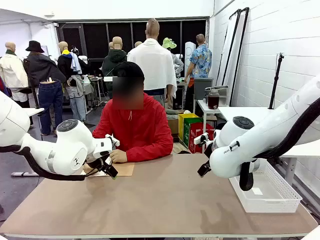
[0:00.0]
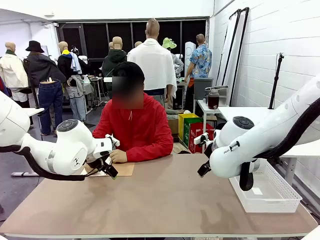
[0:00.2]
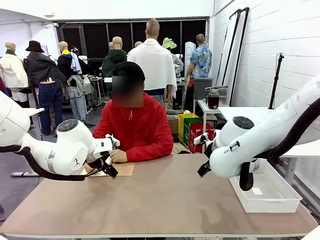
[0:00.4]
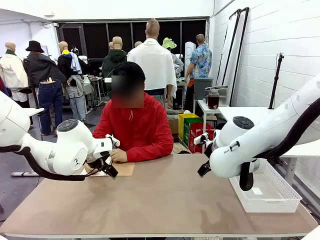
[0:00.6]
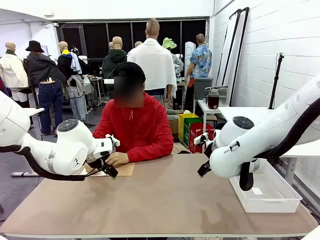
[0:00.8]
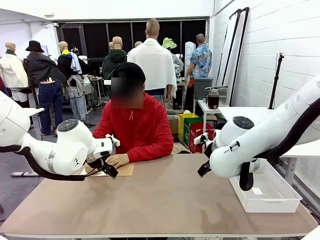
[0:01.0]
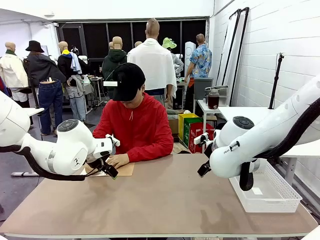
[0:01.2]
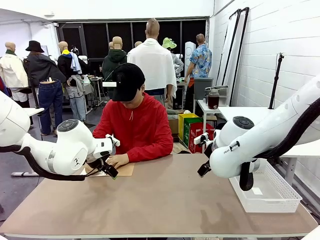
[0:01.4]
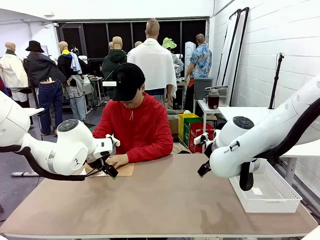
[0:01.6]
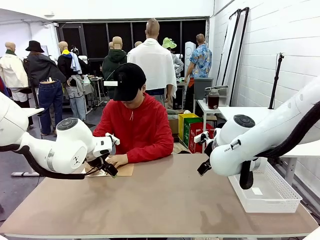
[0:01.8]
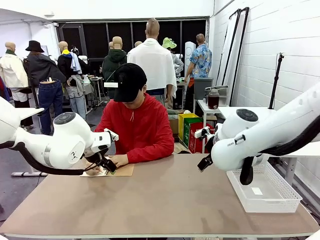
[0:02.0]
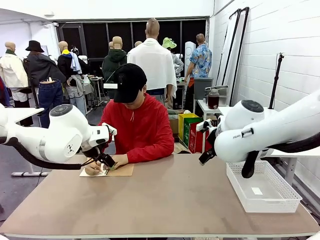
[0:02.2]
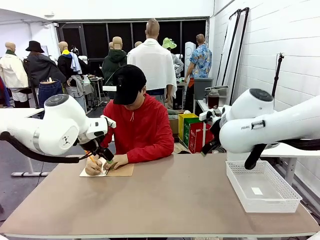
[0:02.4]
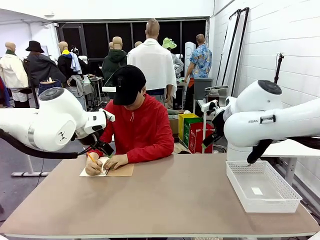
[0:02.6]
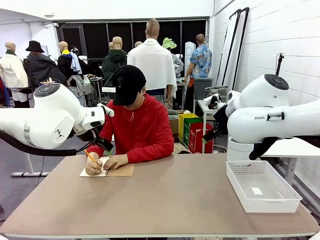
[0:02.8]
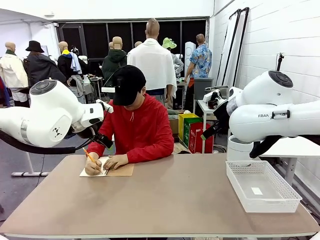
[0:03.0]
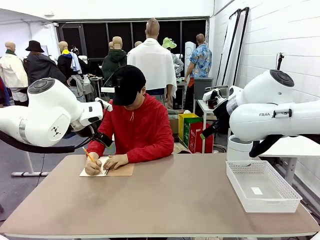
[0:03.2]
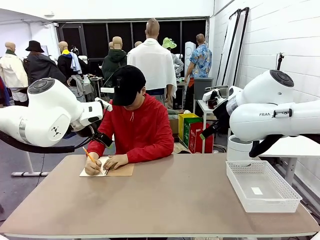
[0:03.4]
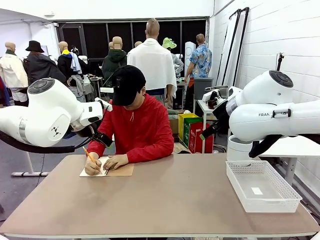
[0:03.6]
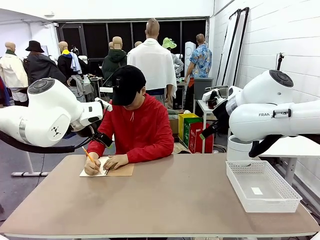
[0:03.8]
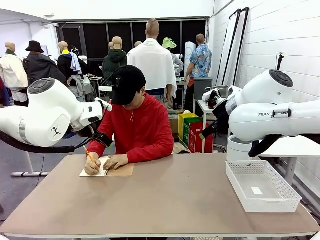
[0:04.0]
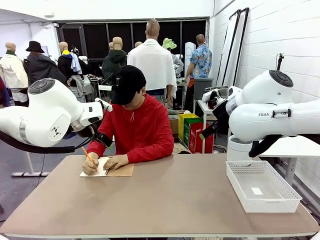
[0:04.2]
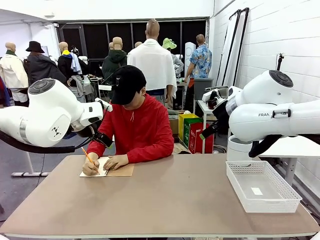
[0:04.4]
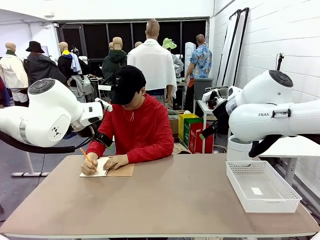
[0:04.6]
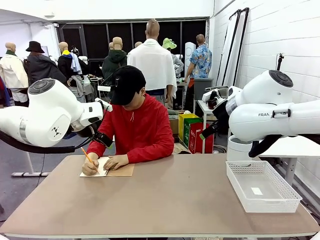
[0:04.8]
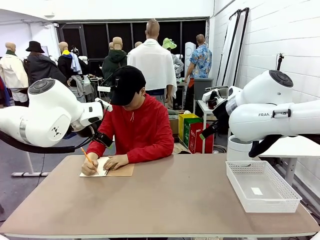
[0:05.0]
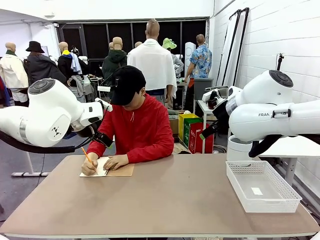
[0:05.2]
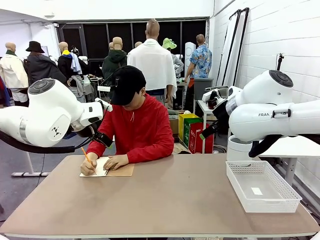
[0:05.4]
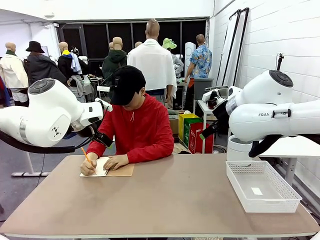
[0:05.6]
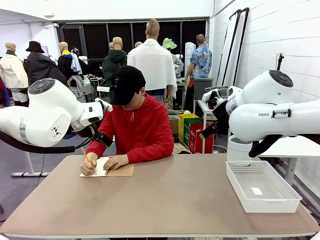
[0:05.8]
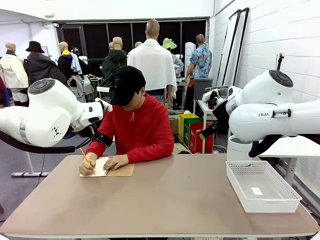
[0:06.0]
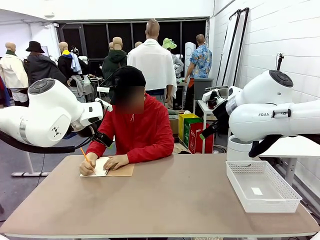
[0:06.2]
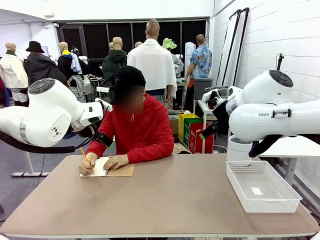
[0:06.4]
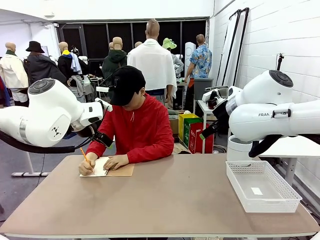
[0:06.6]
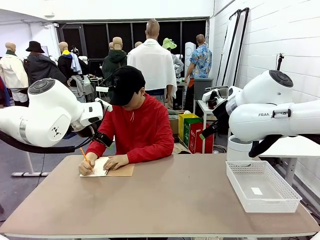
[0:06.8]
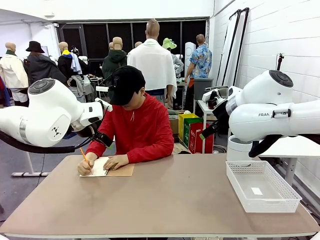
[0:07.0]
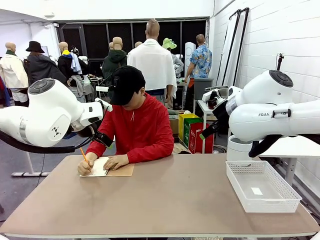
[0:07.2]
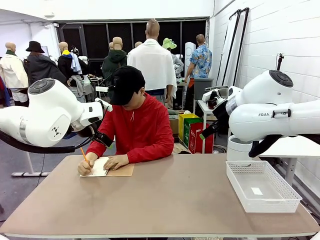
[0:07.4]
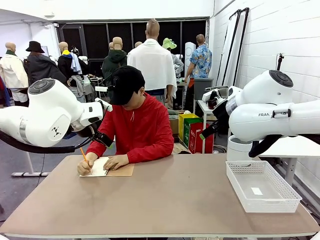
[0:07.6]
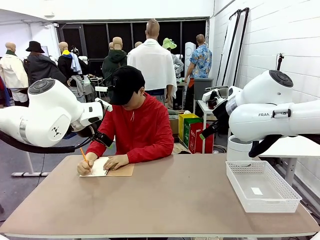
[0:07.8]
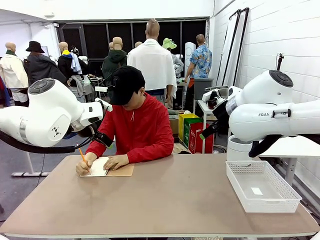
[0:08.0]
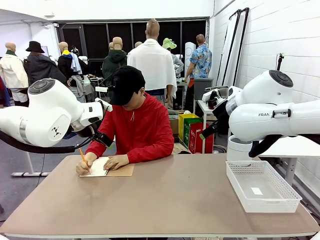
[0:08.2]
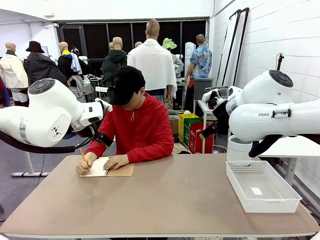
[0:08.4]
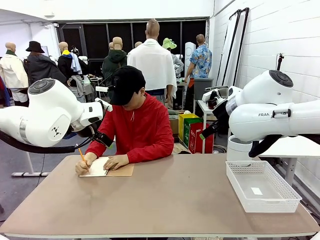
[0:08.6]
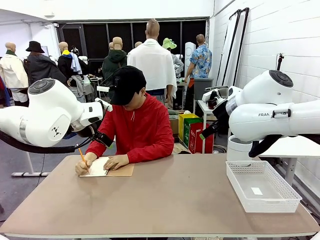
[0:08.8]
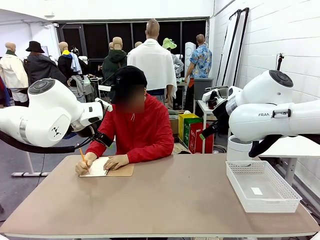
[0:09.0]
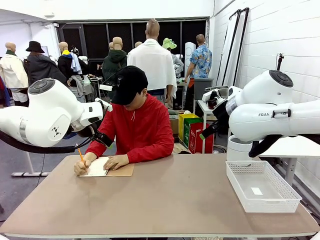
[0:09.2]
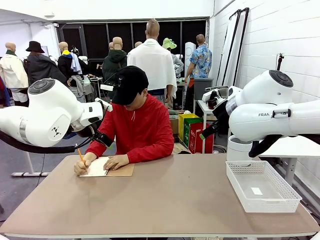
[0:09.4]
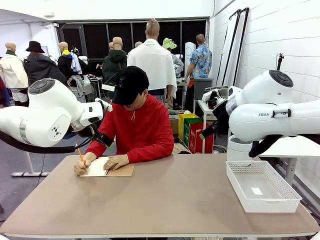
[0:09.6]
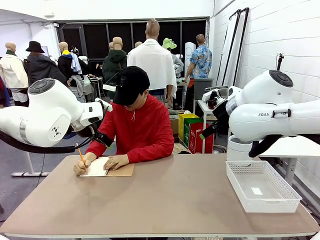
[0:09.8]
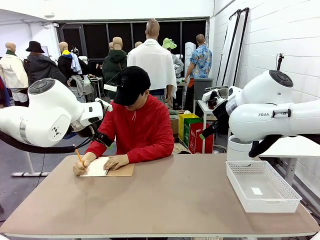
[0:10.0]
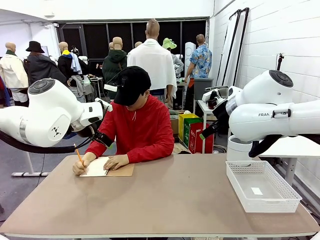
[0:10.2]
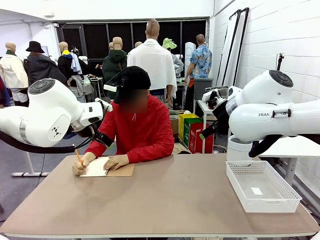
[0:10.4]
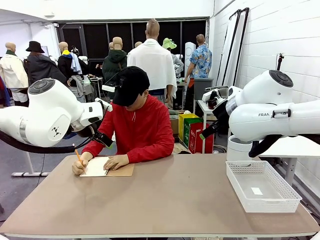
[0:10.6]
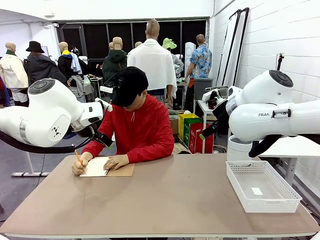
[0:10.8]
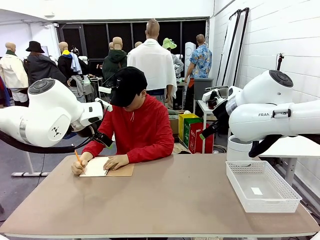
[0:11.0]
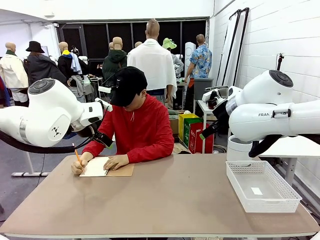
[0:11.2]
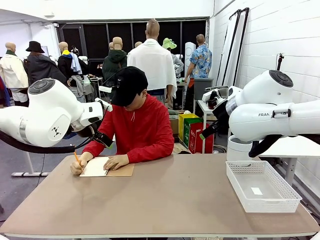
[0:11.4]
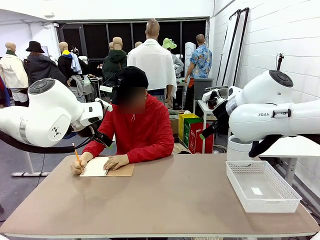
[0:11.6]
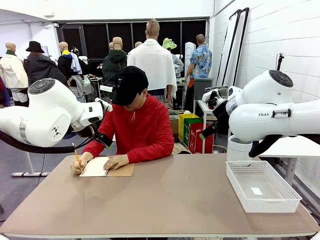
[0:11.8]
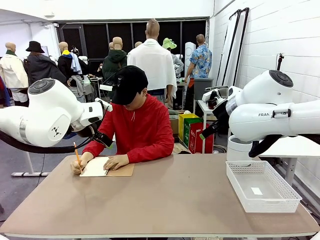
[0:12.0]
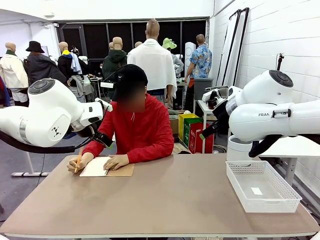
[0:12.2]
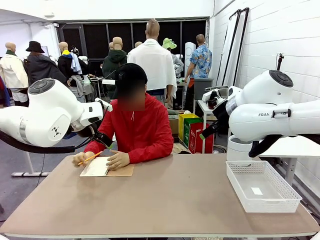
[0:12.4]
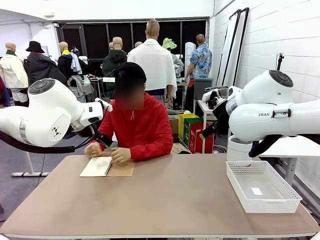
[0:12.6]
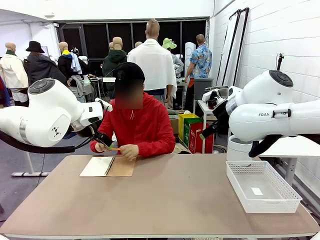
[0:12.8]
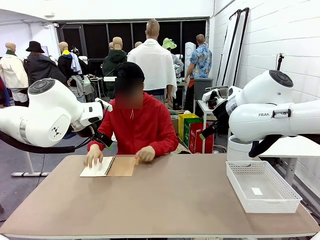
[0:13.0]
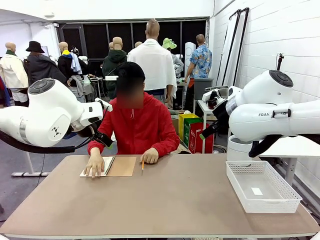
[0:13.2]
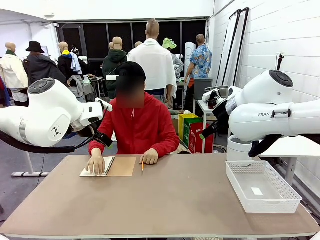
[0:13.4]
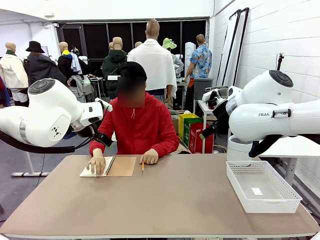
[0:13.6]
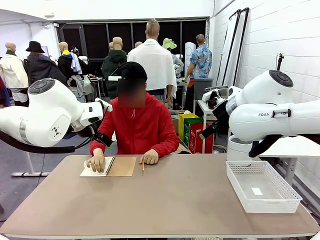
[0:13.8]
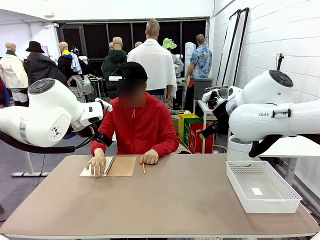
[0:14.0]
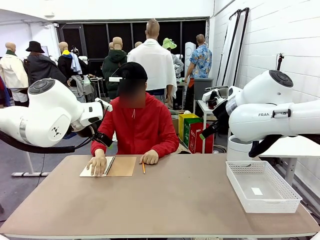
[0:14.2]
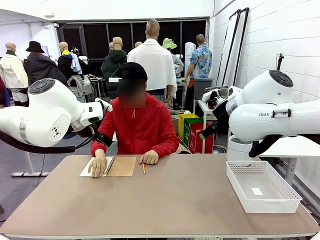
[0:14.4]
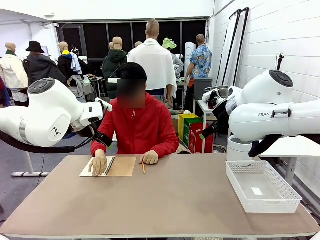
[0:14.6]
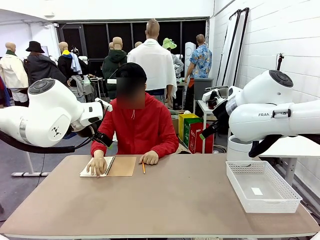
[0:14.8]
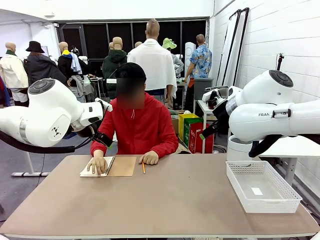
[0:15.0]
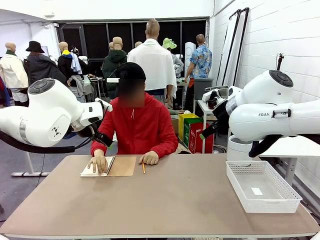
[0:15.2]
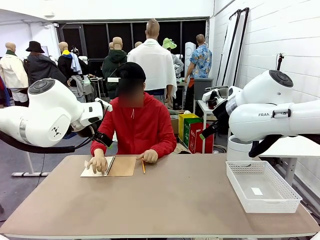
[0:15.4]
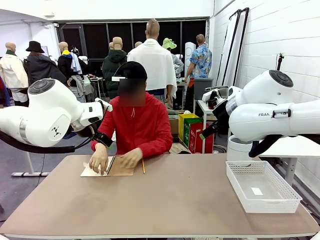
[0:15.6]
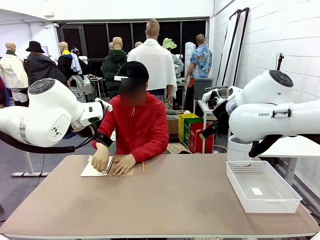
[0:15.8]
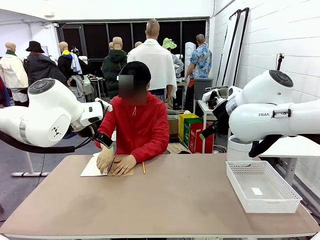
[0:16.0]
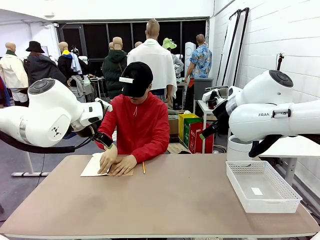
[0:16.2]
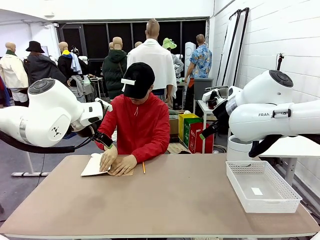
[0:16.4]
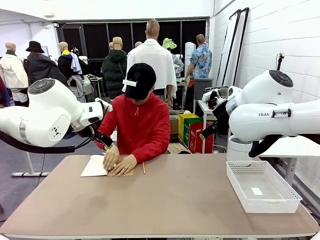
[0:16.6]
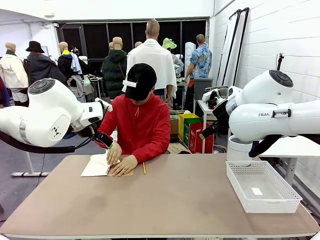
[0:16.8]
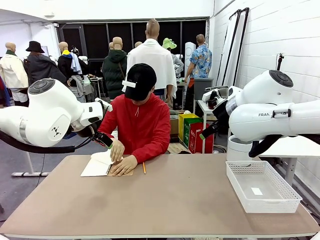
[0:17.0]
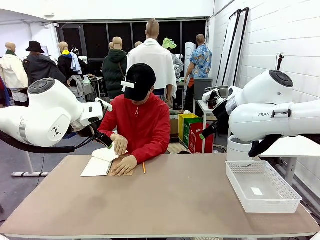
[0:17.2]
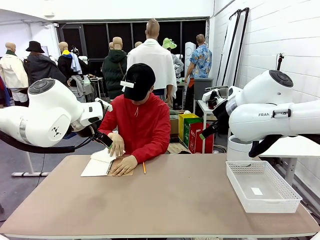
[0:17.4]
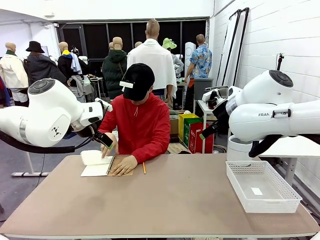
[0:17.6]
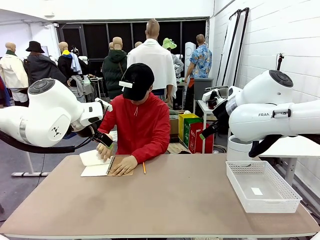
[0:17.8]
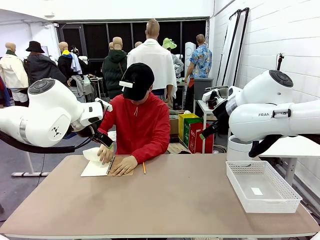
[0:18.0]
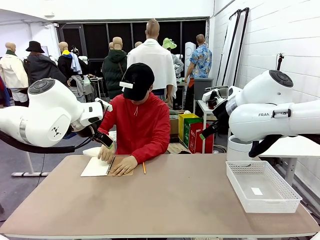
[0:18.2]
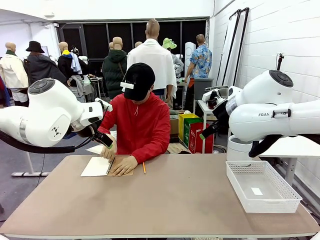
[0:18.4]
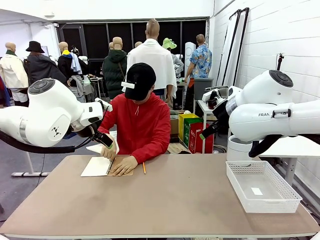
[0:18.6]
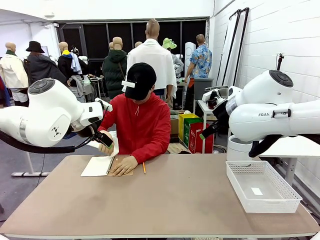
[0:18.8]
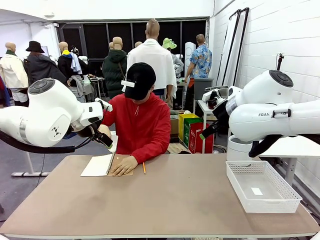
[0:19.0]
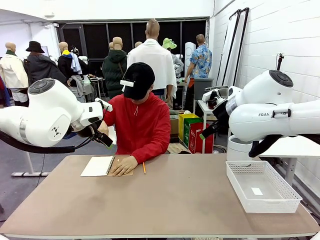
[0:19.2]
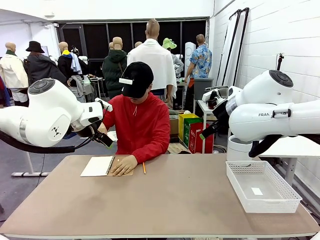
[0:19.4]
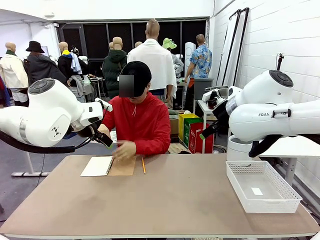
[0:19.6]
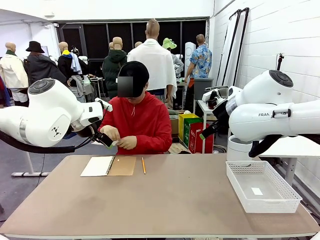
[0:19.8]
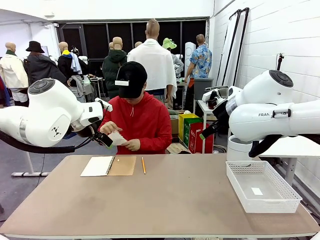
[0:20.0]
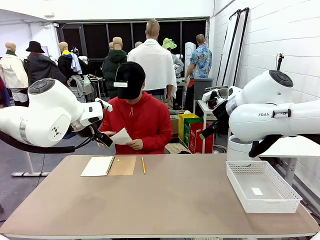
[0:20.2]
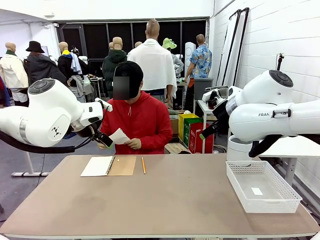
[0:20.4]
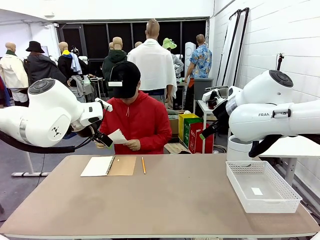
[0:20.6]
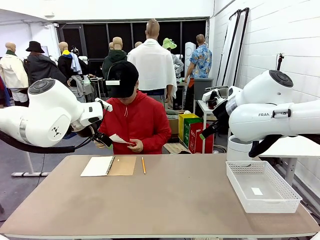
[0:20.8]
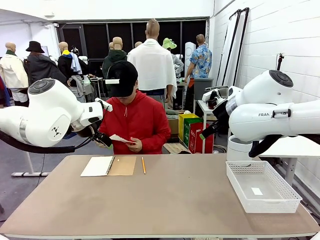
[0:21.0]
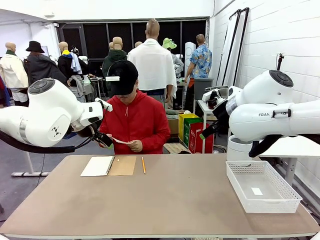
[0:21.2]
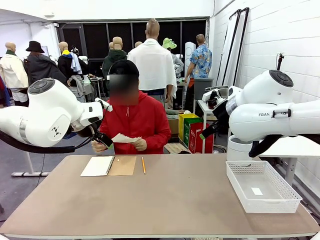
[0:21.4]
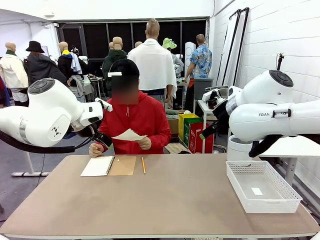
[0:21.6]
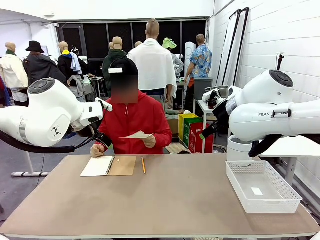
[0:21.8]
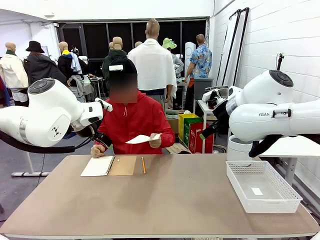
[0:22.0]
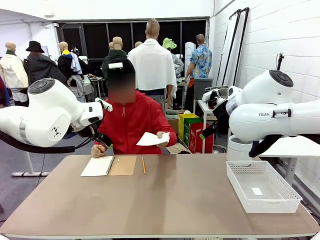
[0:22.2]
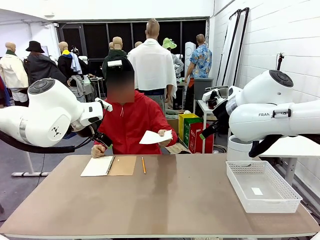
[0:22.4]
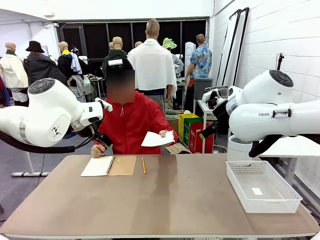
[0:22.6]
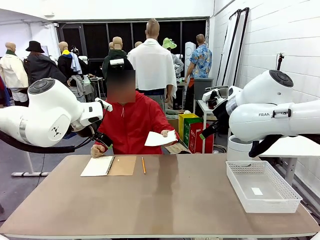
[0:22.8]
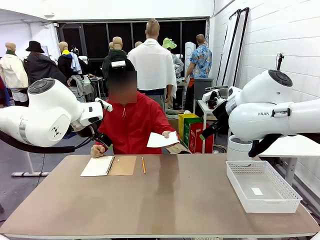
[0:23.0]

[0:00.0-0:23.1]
Task: Sort the paper based on its condition.
Robot: If a person hands you a paper, place it in the Organizing basket , and if it's crumpled, put it in the Trash can.
Person: Tear out a page from the spiral notebook. Hand the torn page to the robot or crumple it and throw it to the center of the table.
